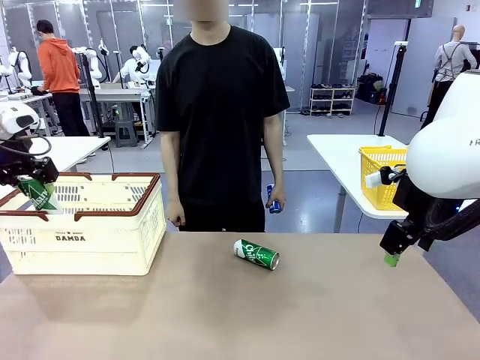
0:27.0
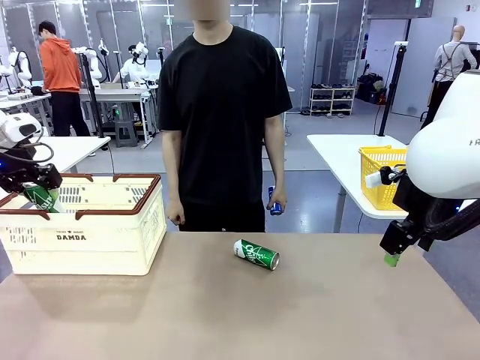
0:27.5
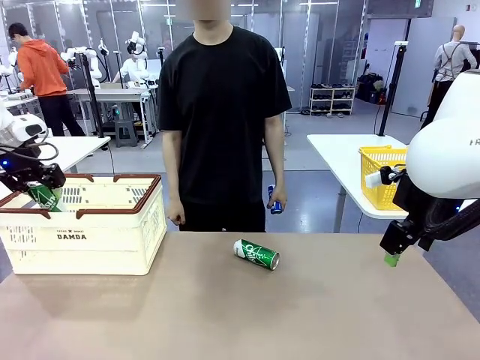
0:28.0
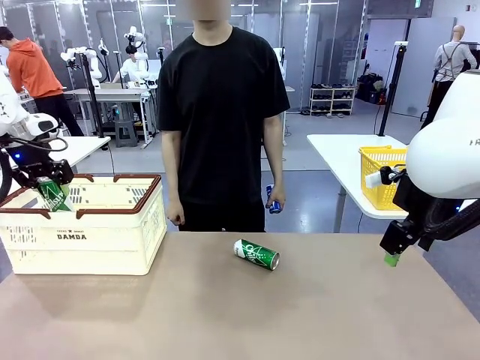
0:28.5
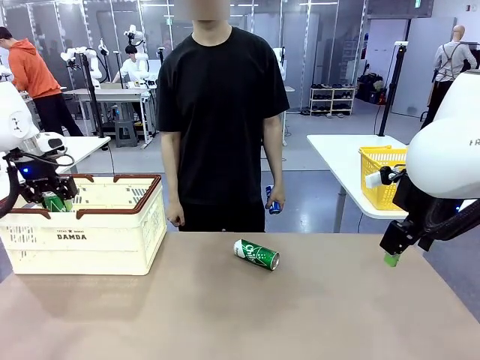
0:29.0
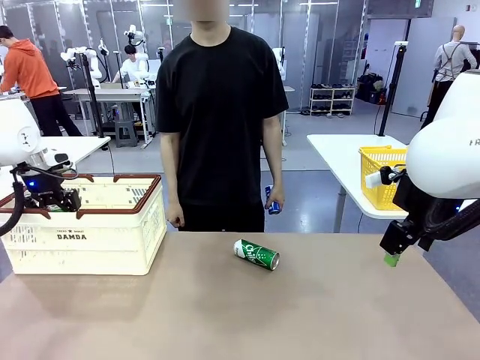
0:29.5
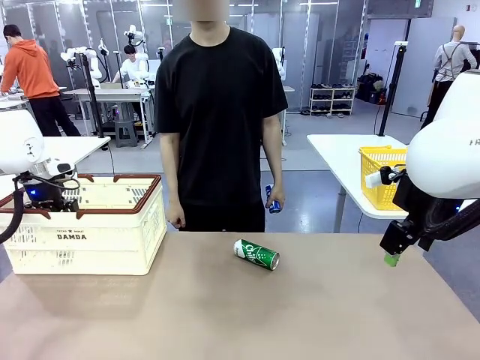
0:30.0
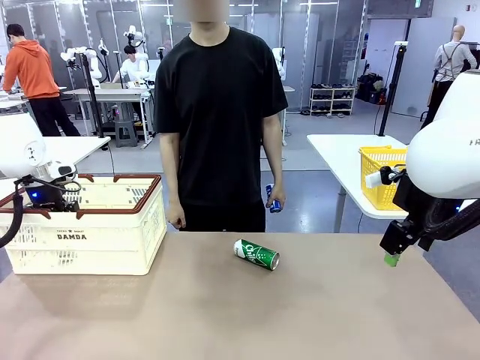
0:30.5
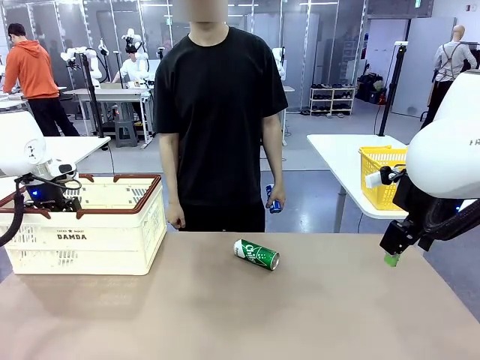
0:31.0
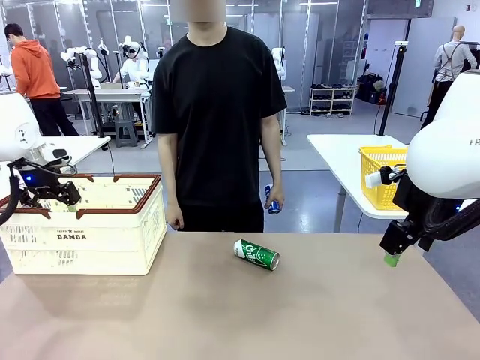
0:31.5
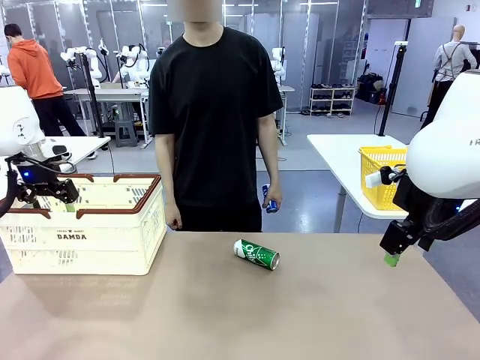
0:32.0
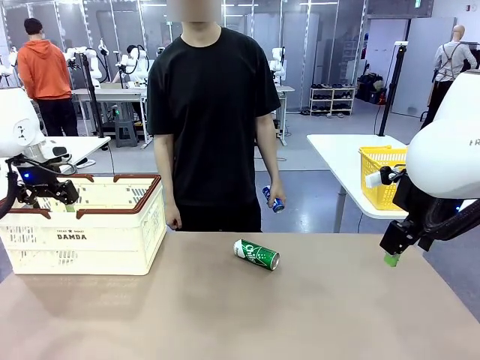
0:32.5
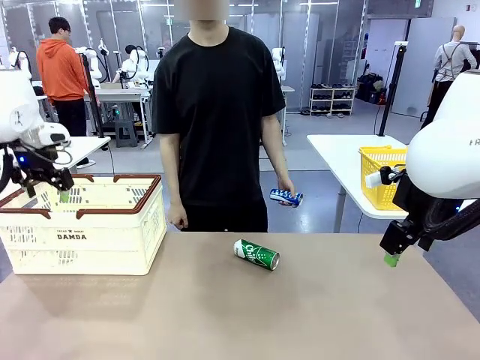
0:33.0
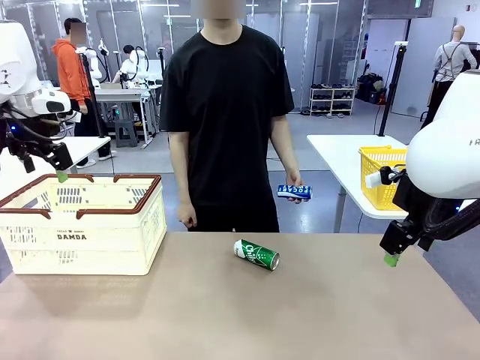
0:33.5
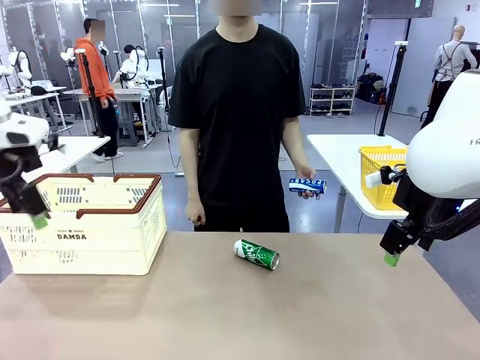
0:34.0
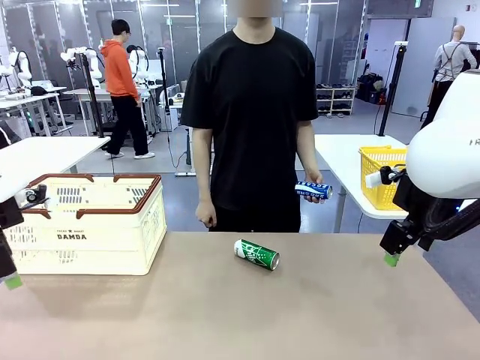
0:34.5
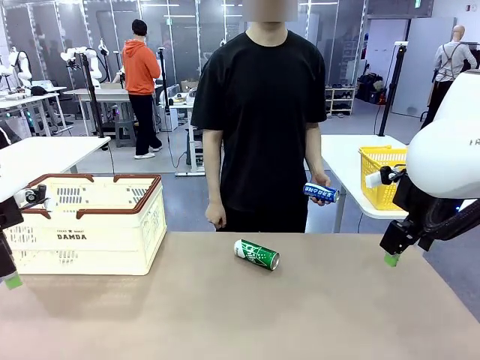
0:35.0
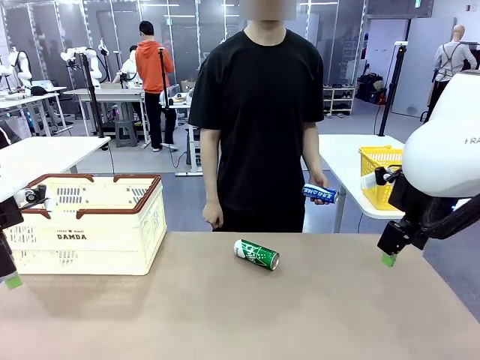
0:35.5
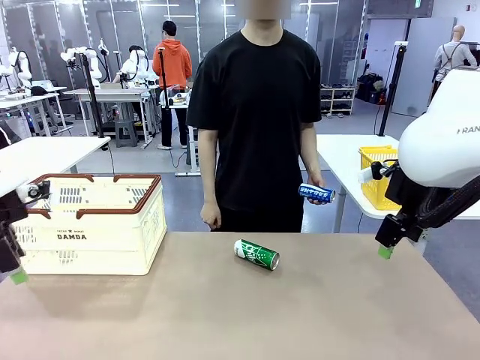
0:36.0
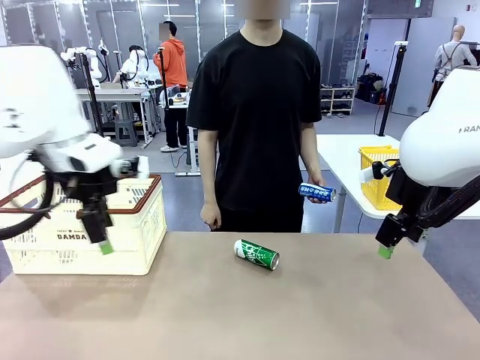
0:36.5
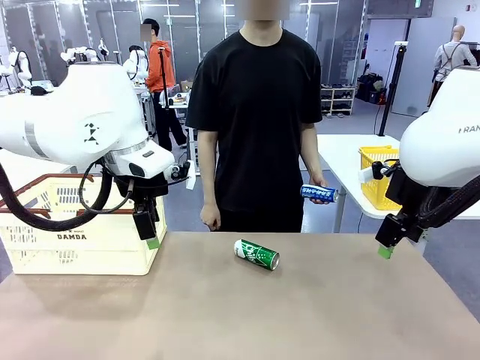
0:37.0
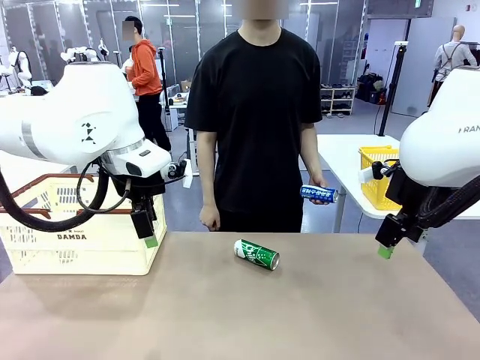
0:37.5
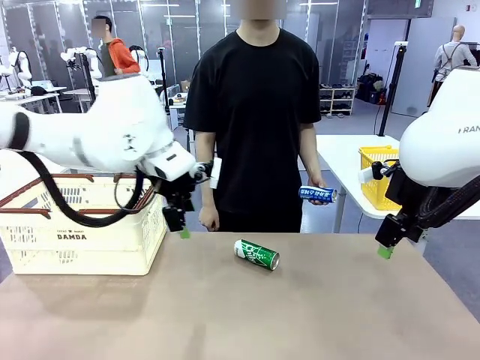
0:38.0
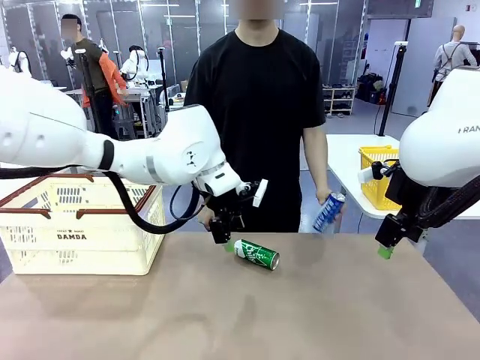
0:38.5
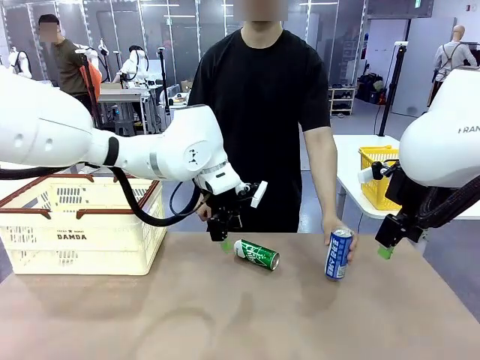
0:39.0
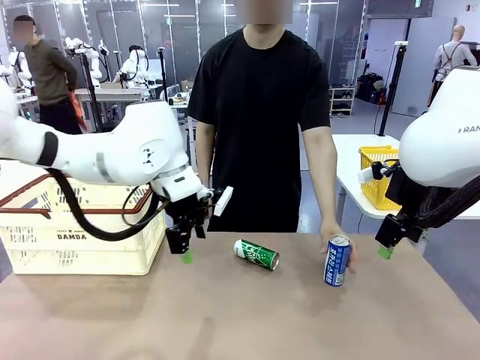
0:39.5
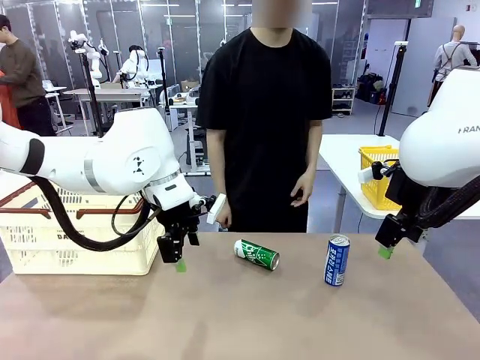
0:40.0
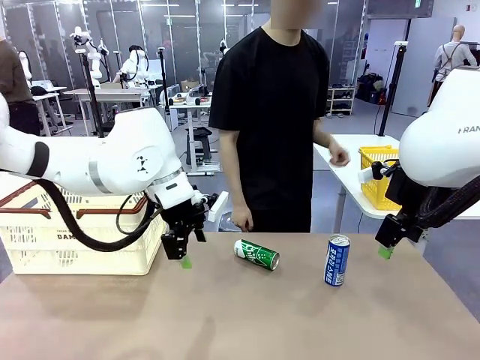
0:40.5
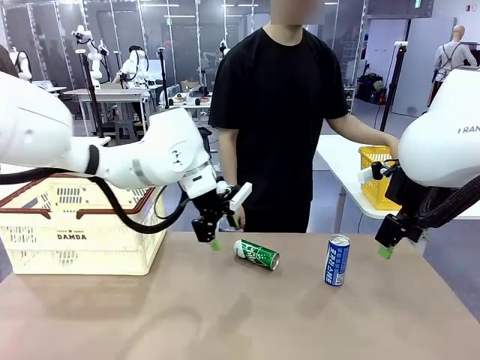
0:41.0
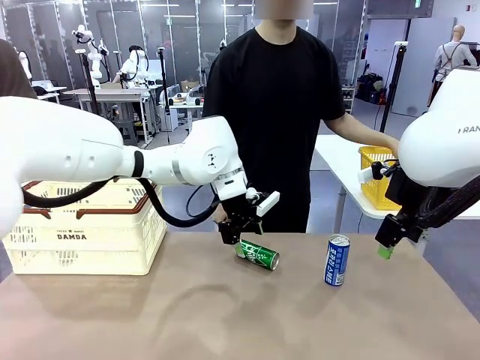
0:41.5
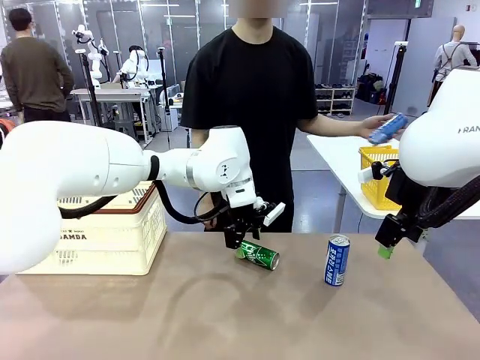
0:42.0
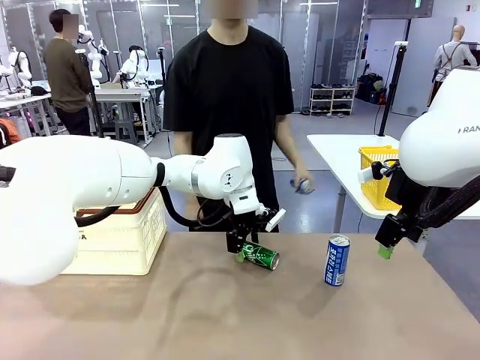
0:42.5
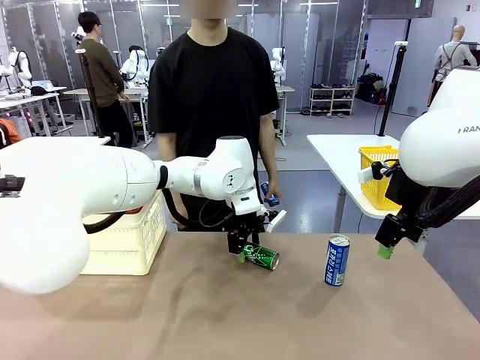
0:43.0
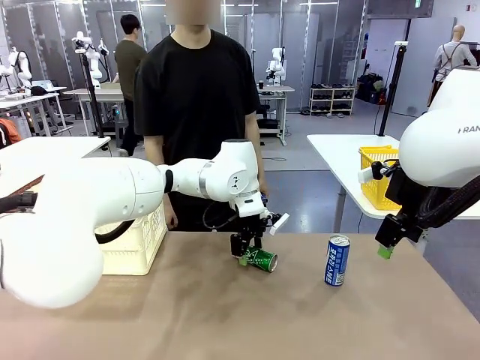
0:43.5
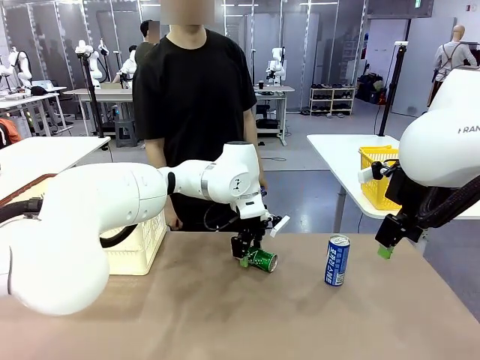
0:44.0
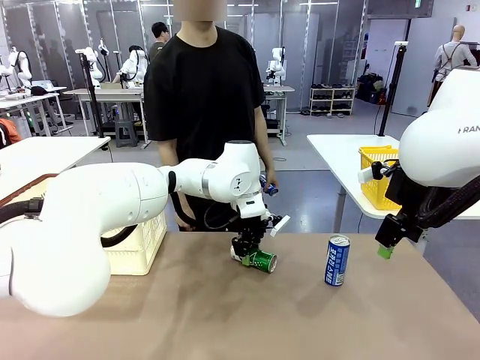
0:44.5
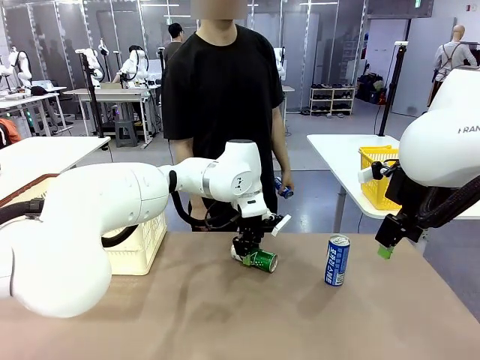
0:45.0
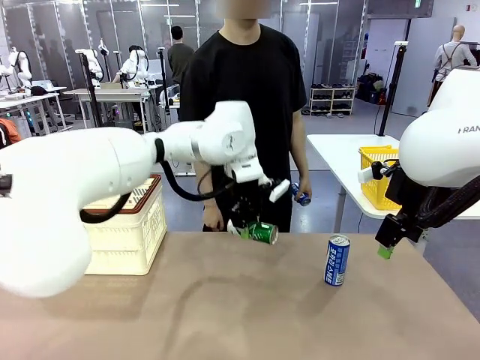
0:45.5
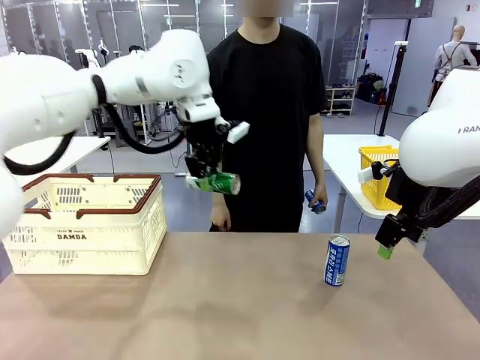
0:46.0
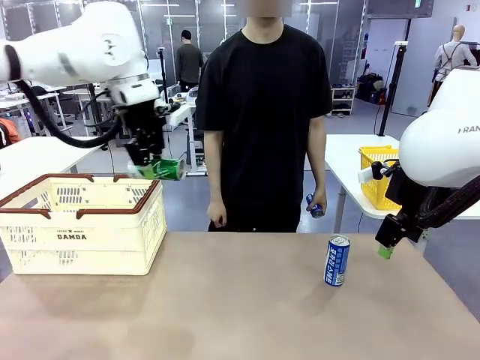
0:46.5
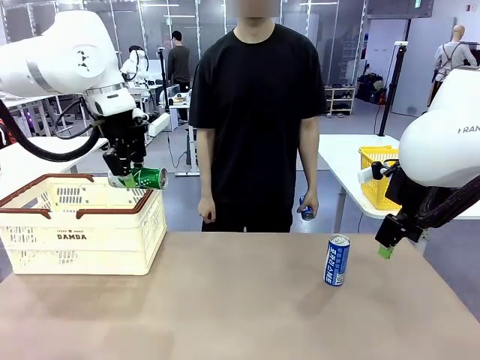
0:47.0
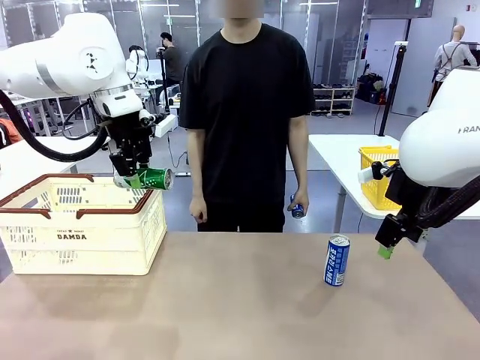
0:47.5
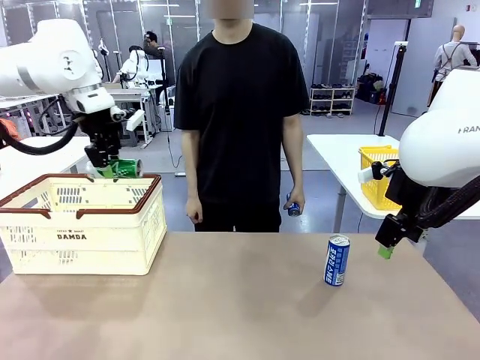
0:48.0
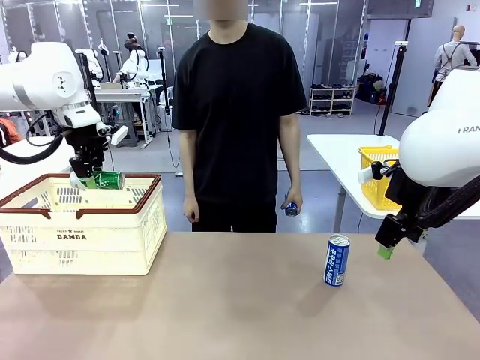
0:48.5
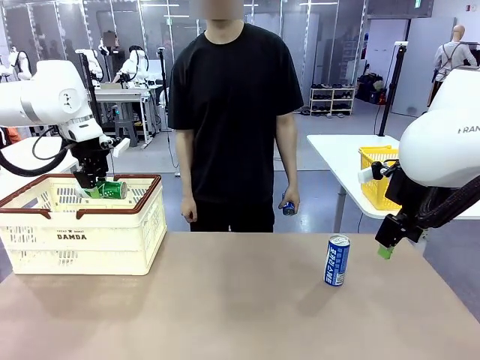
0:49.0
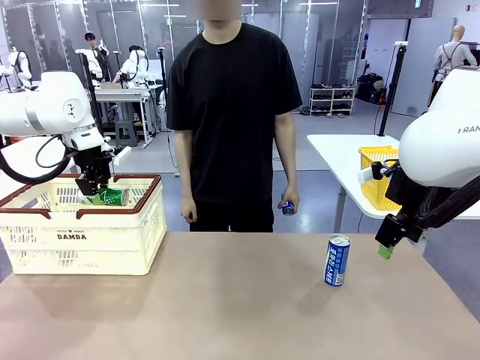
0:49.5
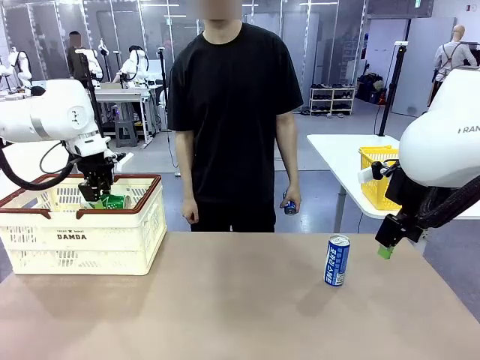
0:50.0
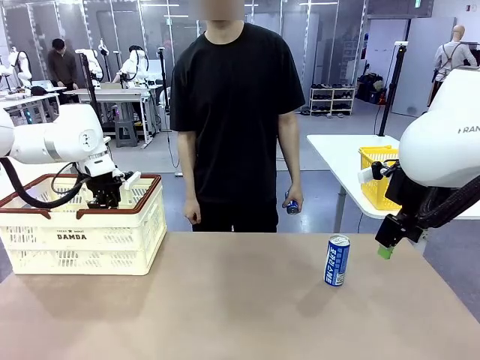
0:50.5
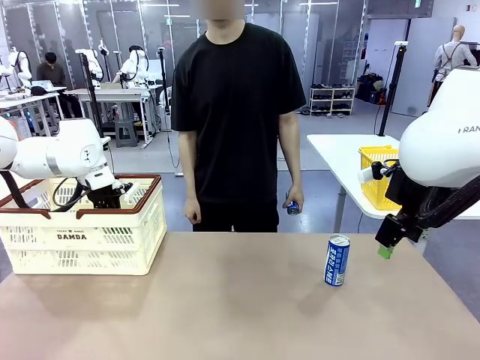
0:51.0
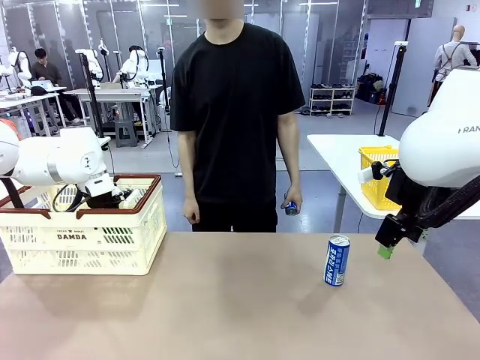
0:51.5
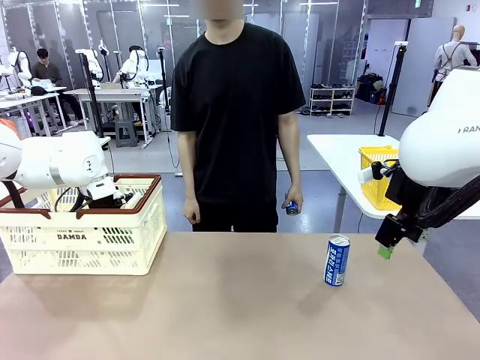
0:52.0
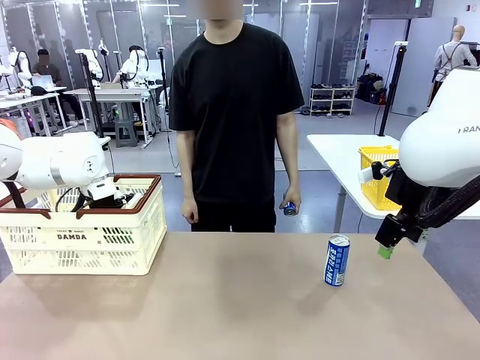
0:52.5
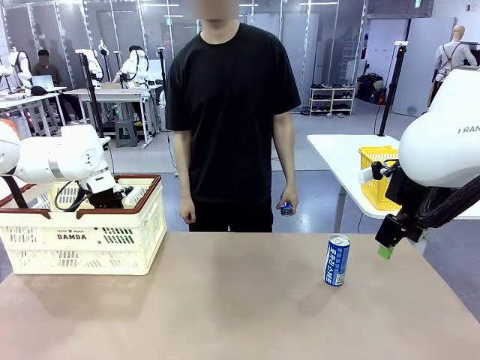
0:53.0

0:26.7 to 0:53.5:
Task: Place the drinks into the Shopping basket.
Robot: Pick up one drink and place it into the Shopping basket.
